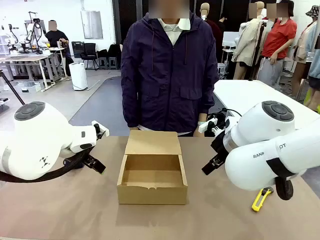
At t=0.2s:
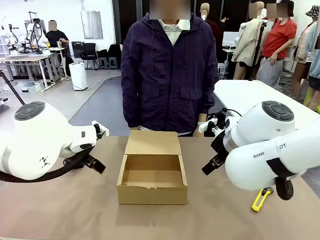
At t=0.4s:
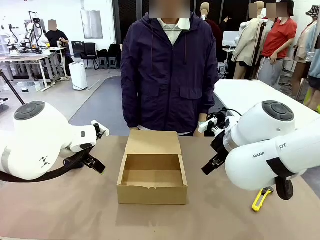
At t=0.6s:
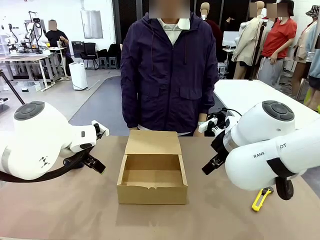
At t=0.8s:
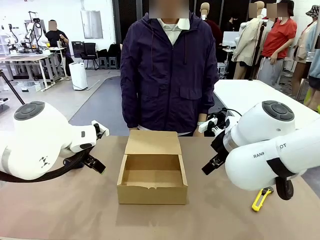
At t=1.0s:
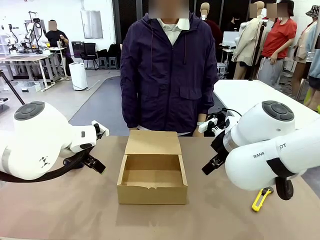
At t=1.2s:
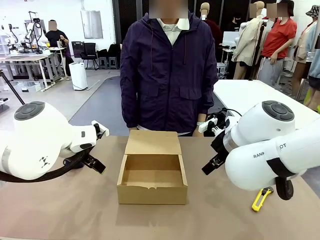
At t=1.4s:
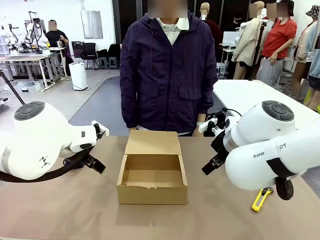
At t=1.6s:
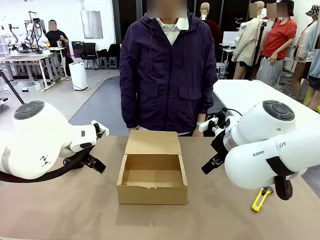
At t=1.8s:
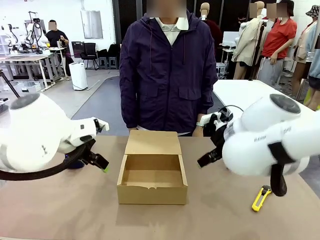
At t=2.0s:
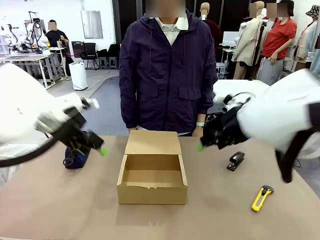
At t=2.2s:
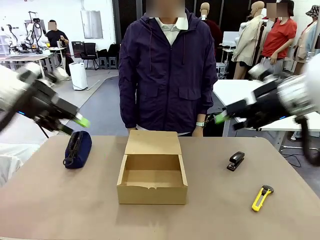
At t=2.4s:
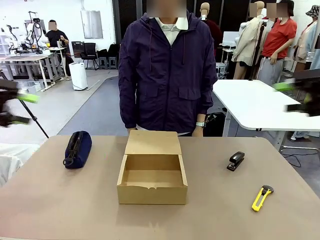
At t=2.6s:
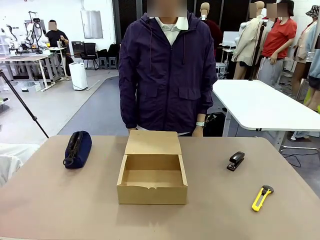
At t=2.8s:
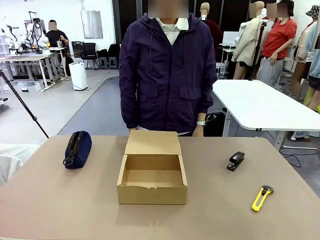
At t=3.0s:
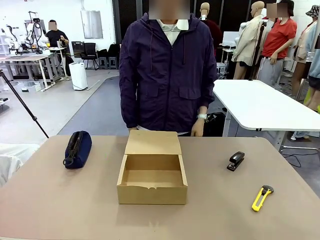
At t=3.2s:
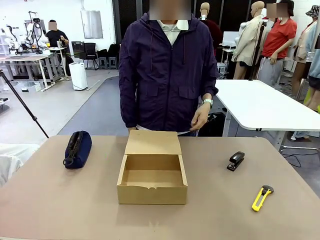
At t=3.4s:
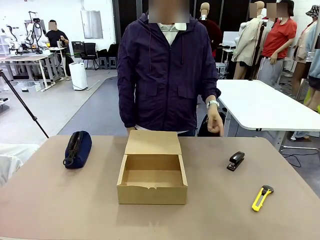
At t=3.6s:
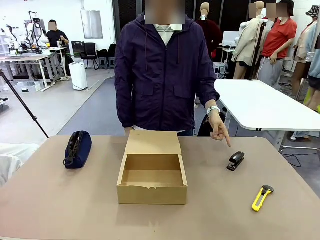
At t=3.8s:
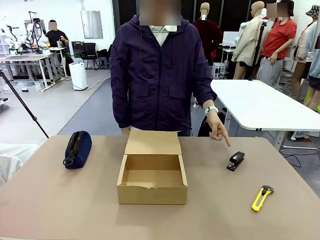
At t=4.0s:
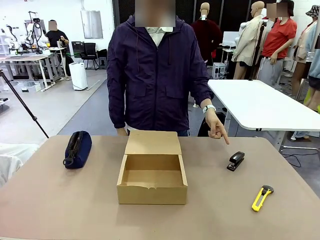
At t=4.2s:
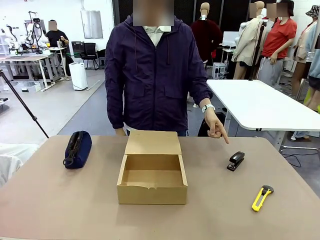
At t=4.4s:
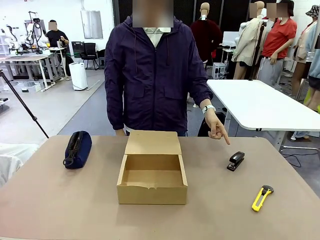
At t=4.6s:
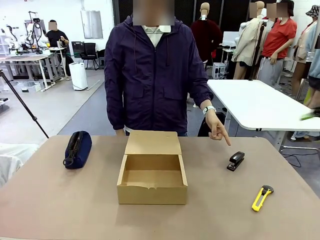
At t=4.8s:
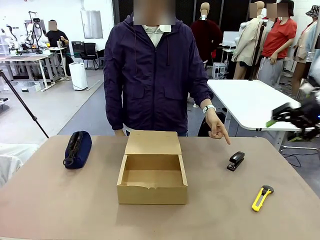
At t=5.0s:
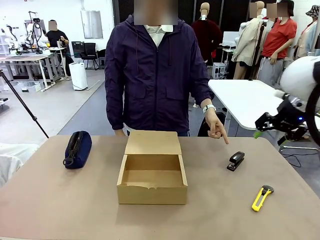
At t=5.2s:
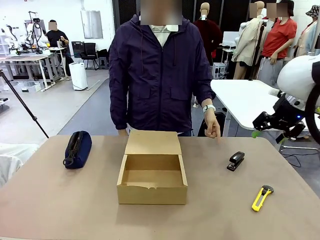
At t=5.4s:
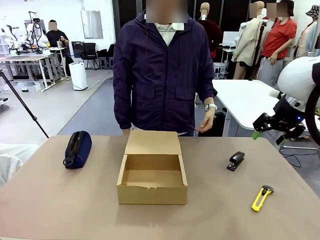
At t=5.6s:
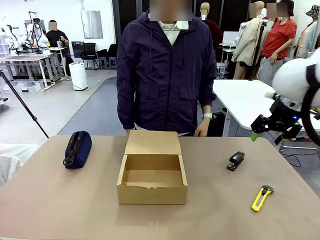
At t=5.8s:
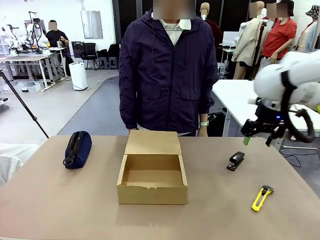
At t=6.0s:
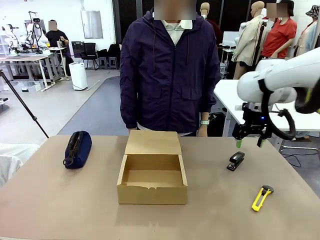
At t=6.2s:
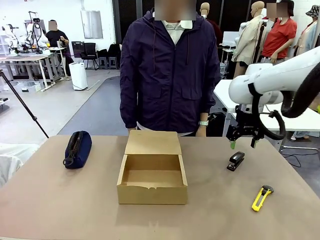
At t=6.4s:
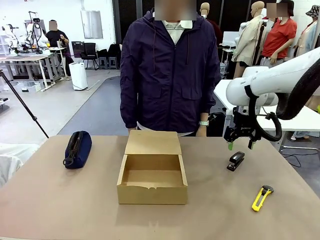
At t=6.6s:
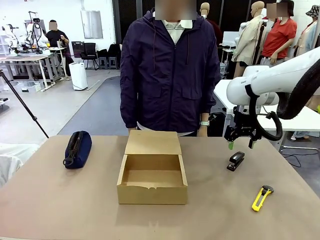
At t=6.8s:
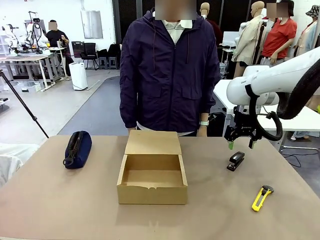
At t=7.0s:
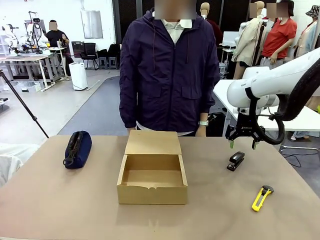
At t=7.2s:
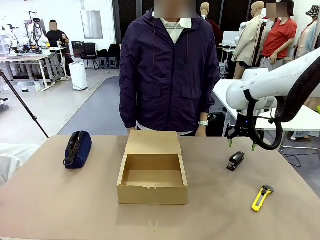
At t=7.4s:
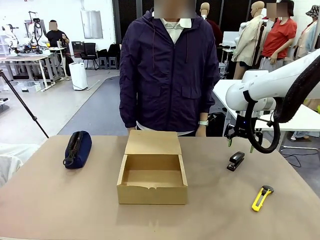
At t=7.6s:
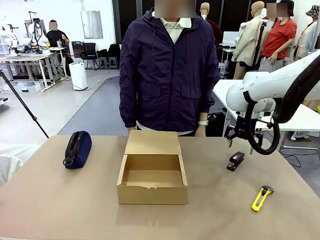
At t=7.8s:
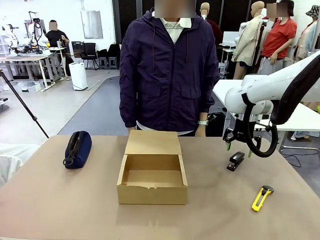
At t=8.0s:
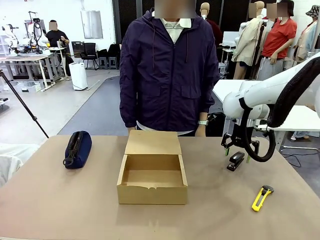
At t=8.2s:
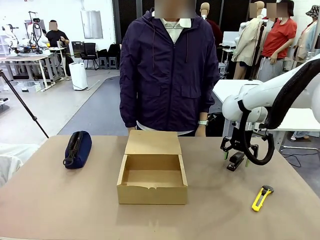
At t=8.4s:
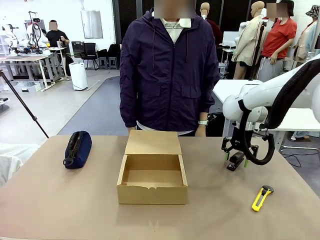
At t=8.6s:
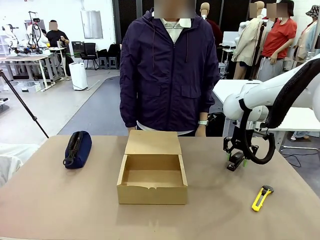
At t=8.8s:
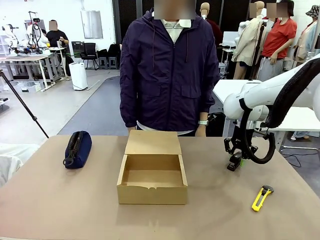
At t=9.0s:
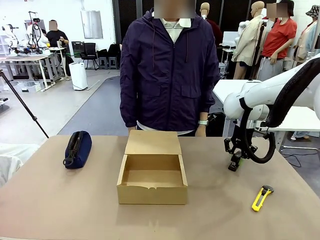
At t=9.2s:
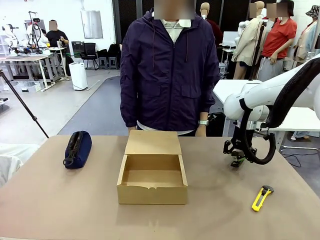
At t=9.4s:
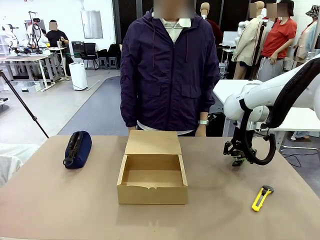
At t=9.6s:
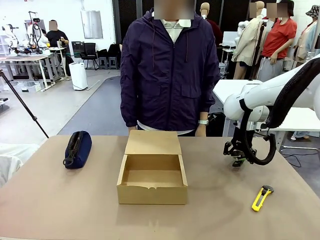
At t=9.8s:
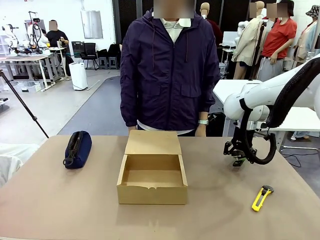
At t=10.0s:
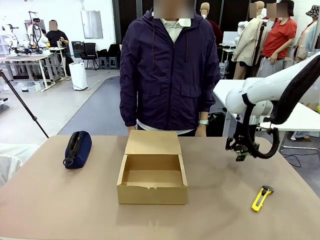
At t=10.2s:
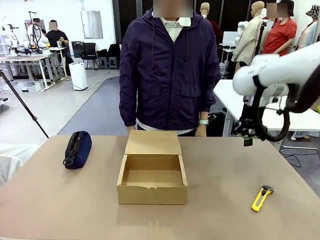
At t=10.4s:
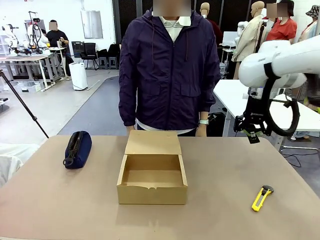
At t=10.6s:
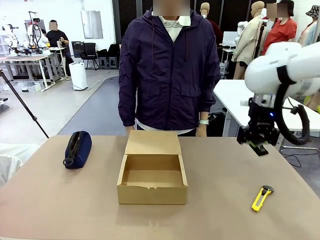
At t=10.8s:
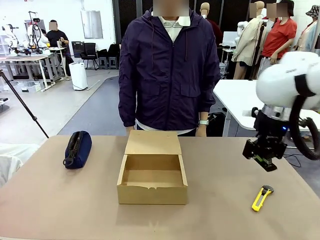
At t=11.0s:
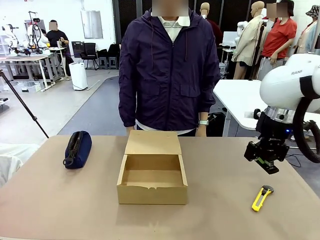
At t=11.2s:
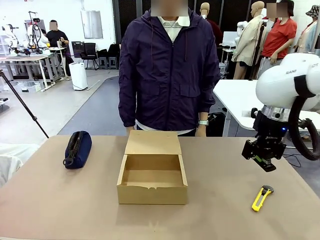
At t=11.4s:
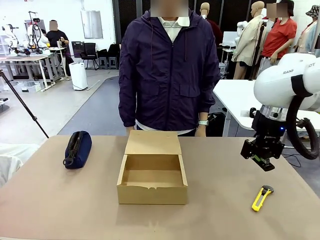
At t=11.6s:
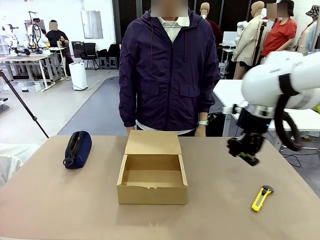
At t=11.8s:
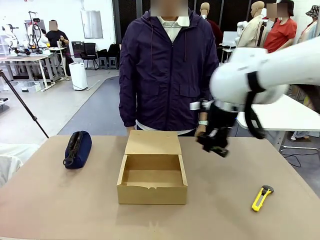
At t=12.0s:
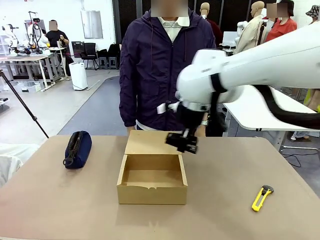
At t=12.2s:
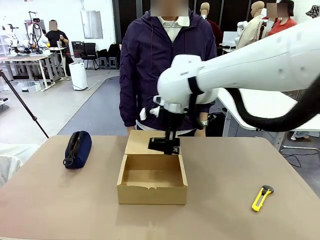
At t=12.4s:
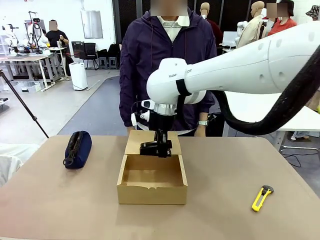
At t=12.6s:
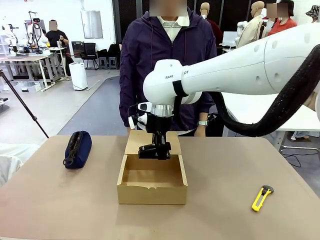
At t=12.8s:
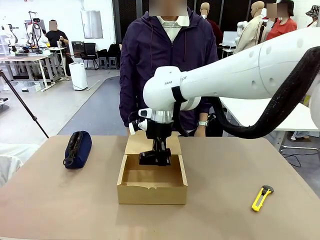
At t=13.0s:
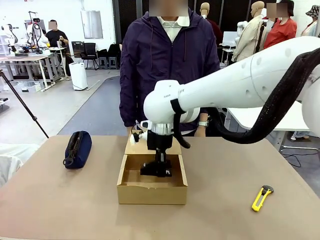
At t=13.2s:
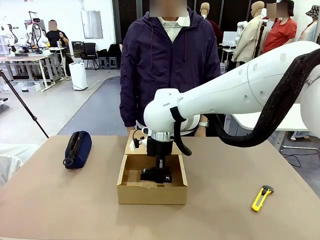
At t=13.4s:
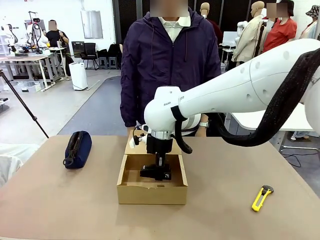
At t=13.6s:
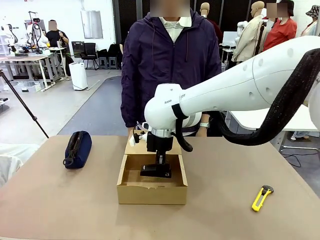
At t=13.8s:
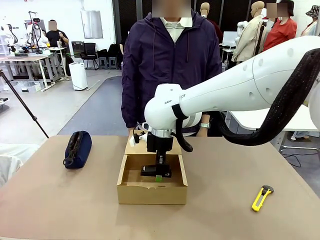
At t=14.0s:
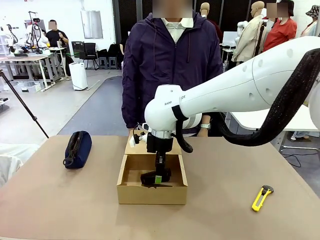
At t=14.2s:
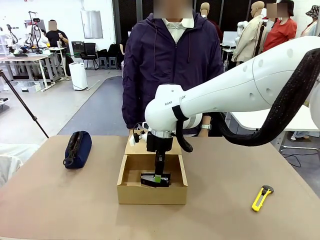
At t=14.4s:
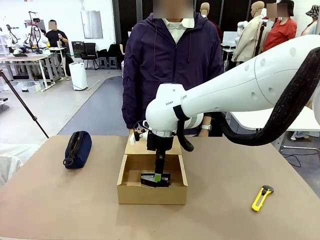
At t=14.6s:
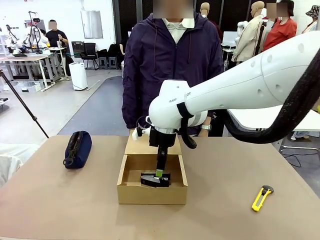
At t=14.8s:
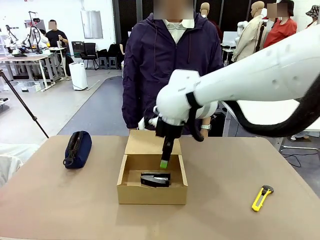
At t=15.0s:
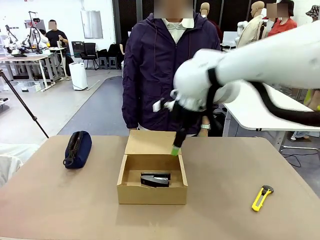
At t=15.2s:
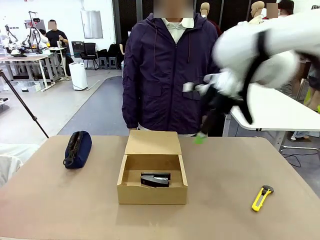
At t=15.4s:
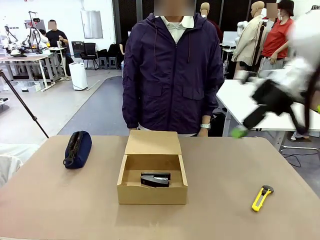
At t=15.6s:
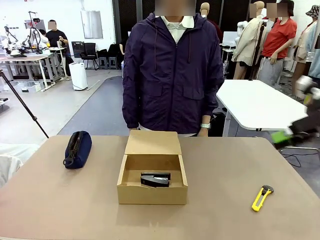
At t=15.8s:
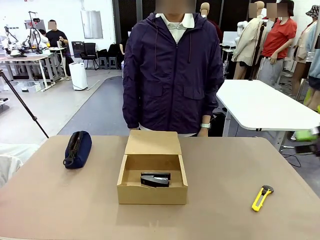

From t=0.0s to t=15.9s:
Task: Pack the items into the box.
Robot: Pick up the item specified by the human and place it in the Mailer Box.
Person: Point at one item on the table (excluding the box).
